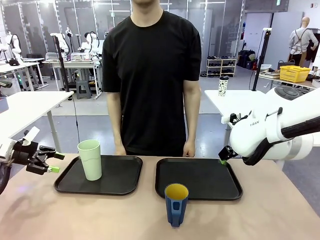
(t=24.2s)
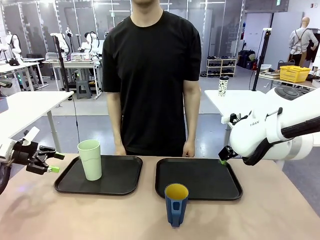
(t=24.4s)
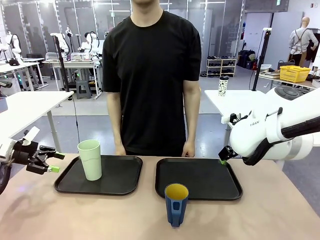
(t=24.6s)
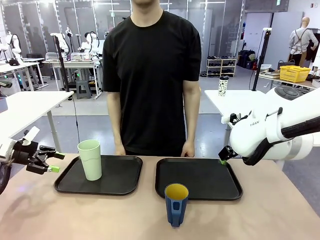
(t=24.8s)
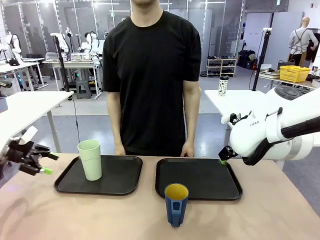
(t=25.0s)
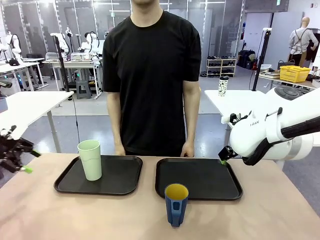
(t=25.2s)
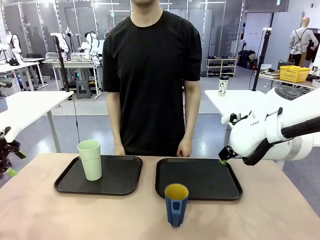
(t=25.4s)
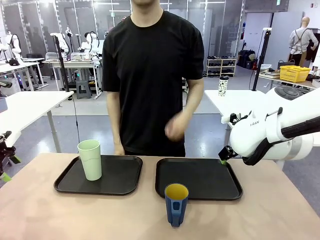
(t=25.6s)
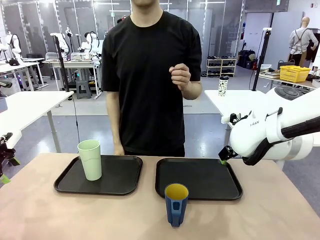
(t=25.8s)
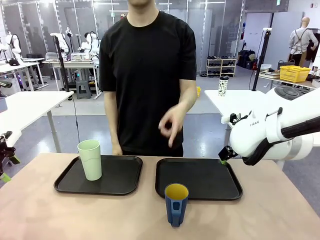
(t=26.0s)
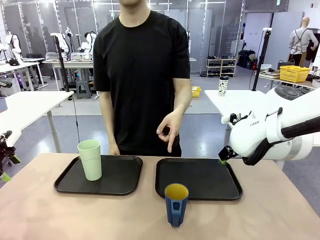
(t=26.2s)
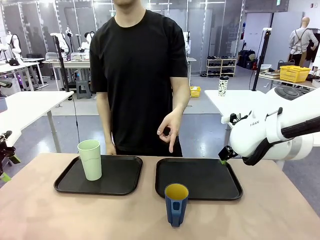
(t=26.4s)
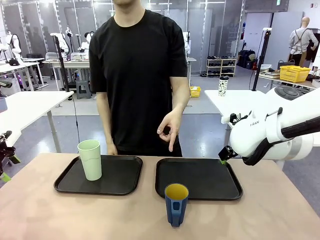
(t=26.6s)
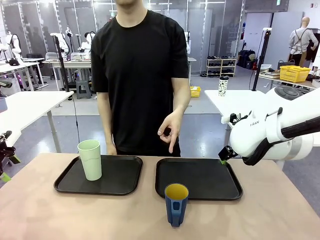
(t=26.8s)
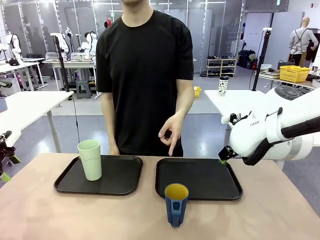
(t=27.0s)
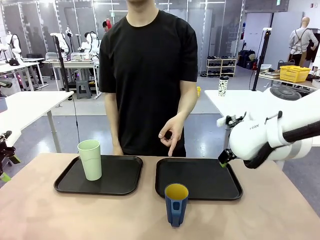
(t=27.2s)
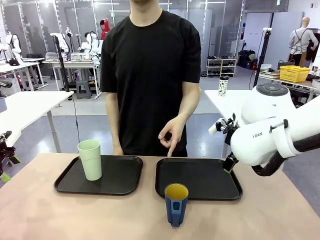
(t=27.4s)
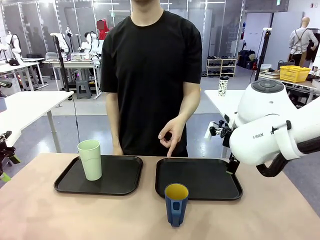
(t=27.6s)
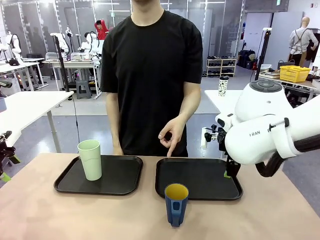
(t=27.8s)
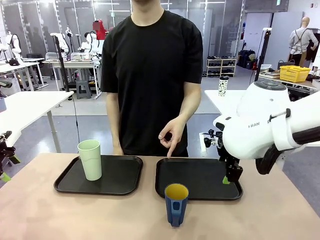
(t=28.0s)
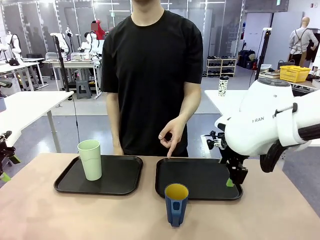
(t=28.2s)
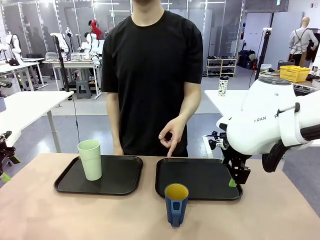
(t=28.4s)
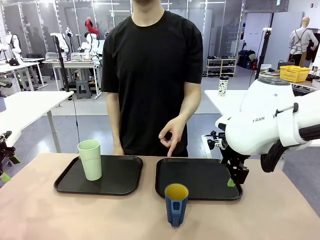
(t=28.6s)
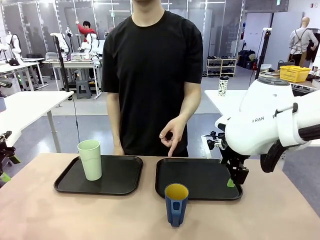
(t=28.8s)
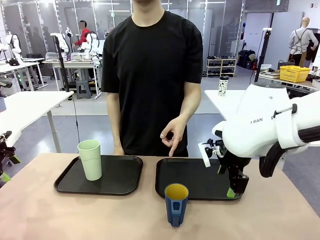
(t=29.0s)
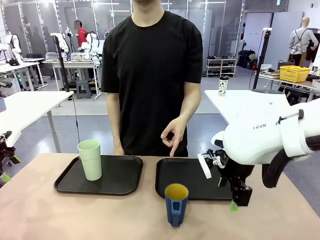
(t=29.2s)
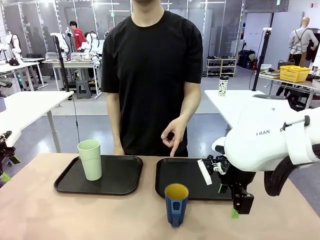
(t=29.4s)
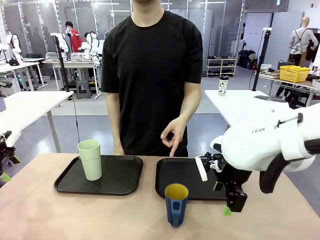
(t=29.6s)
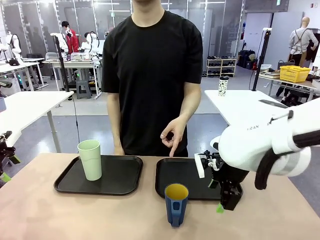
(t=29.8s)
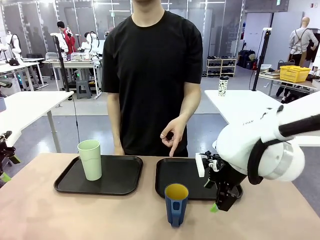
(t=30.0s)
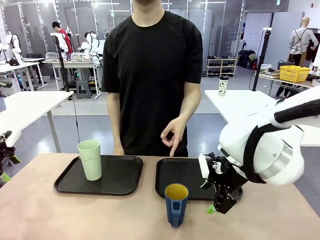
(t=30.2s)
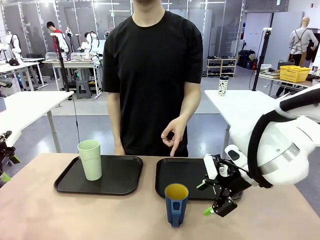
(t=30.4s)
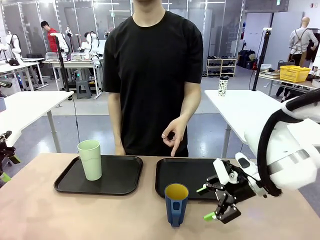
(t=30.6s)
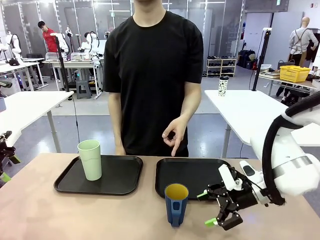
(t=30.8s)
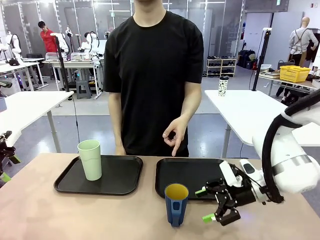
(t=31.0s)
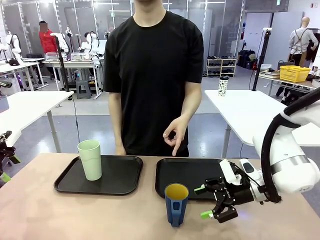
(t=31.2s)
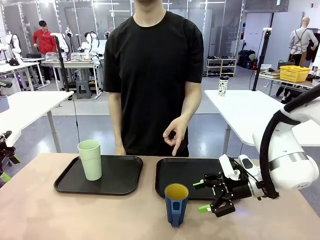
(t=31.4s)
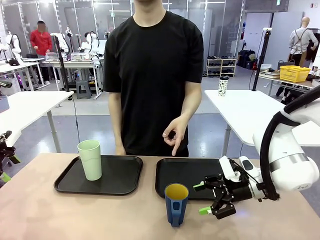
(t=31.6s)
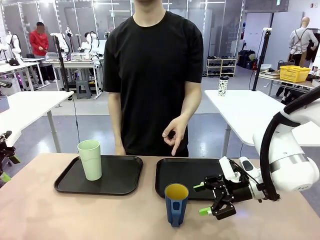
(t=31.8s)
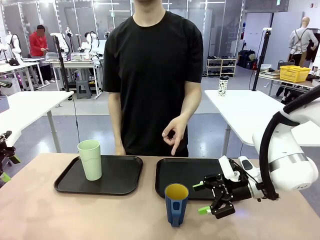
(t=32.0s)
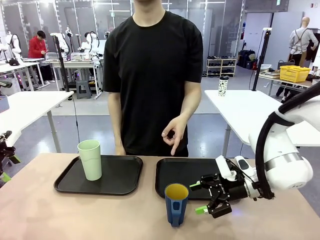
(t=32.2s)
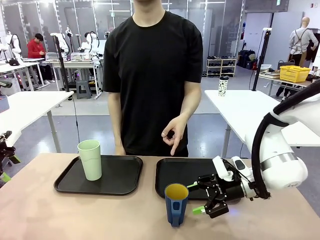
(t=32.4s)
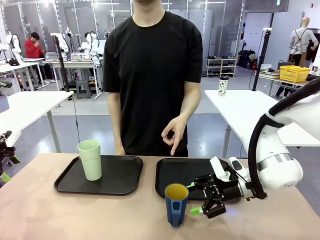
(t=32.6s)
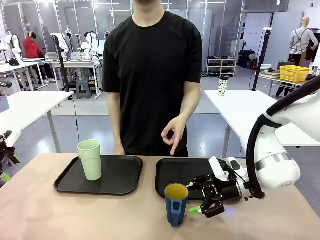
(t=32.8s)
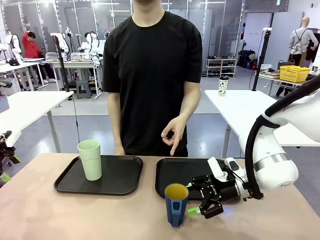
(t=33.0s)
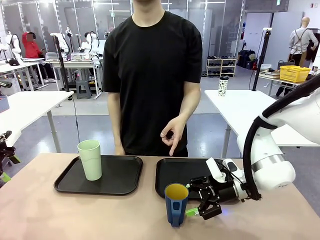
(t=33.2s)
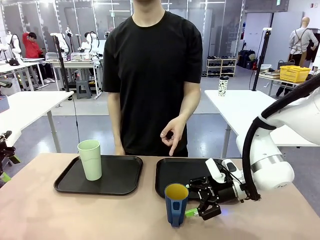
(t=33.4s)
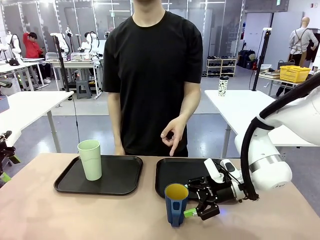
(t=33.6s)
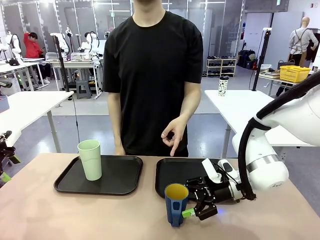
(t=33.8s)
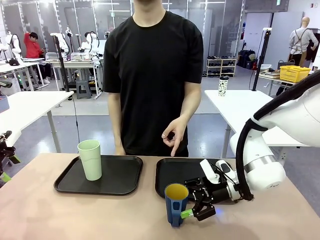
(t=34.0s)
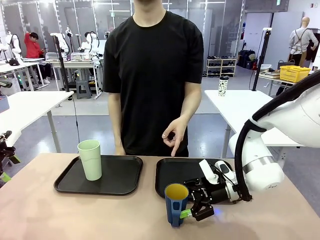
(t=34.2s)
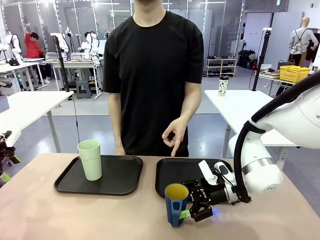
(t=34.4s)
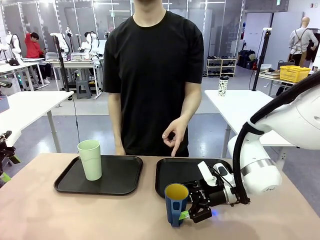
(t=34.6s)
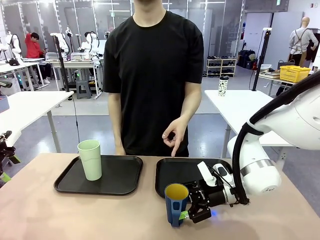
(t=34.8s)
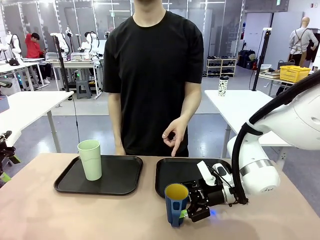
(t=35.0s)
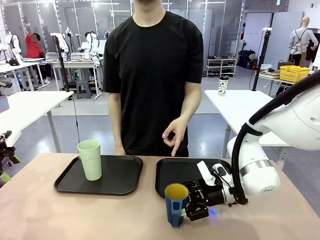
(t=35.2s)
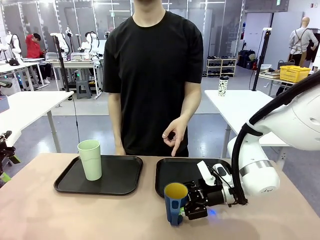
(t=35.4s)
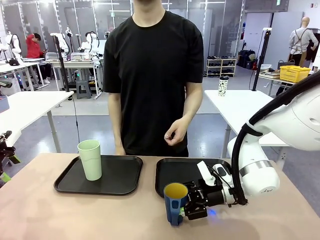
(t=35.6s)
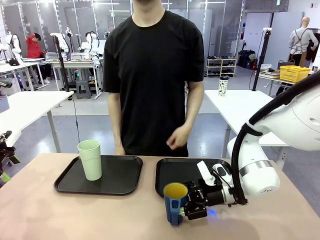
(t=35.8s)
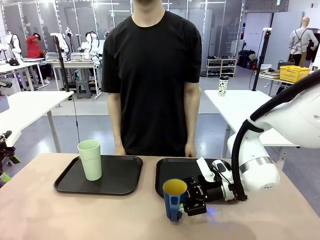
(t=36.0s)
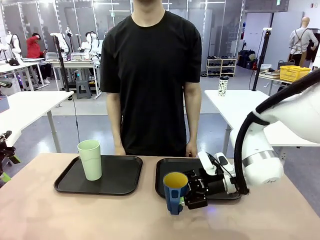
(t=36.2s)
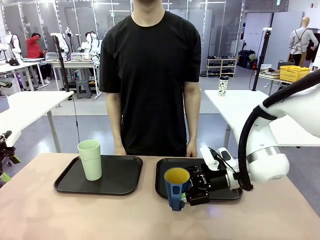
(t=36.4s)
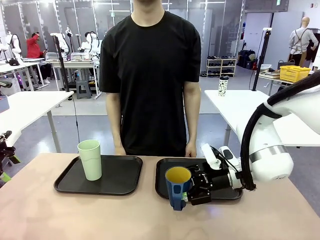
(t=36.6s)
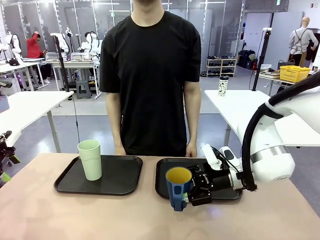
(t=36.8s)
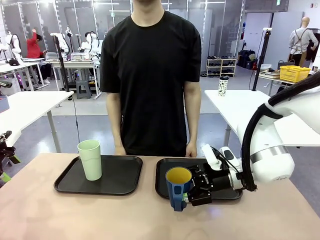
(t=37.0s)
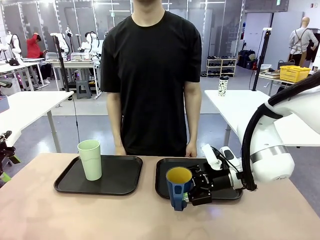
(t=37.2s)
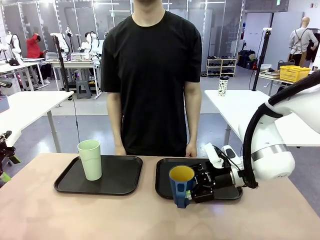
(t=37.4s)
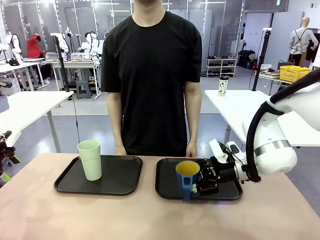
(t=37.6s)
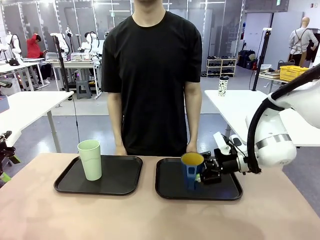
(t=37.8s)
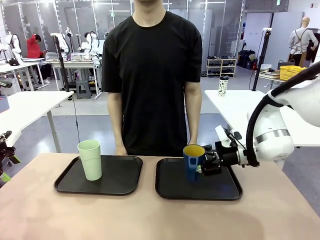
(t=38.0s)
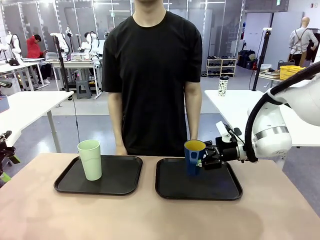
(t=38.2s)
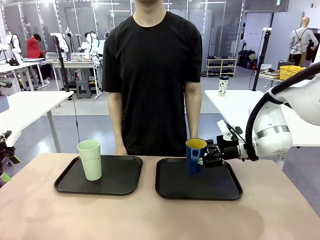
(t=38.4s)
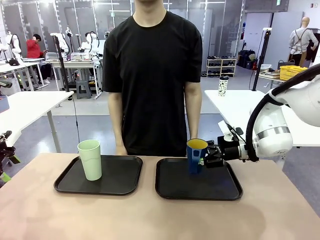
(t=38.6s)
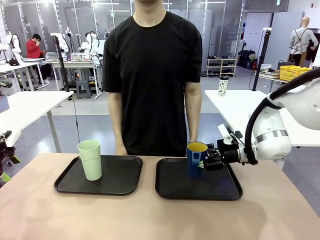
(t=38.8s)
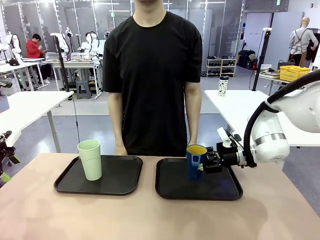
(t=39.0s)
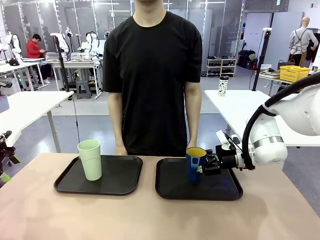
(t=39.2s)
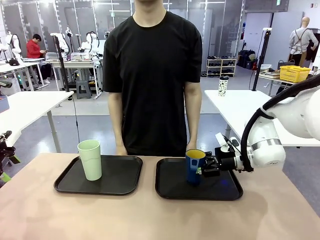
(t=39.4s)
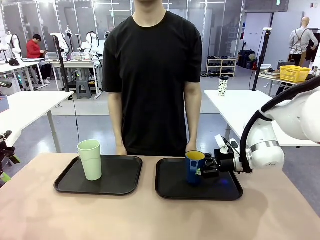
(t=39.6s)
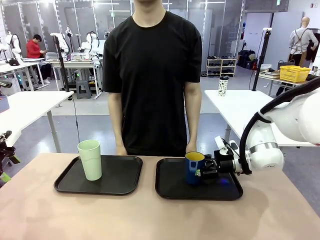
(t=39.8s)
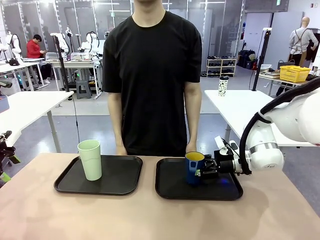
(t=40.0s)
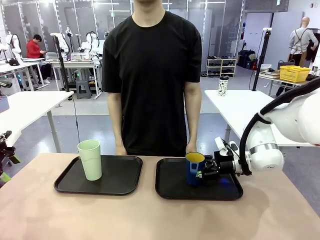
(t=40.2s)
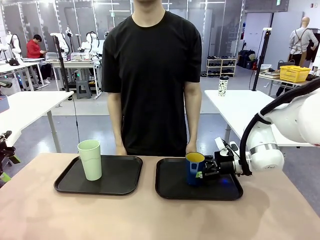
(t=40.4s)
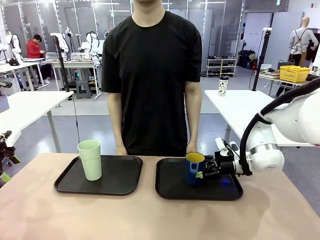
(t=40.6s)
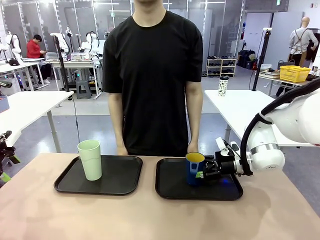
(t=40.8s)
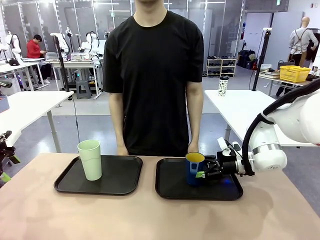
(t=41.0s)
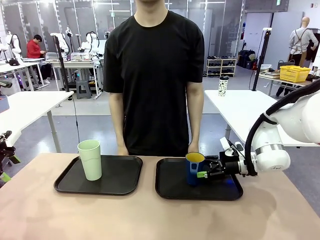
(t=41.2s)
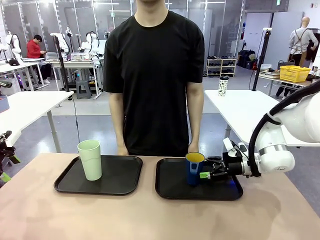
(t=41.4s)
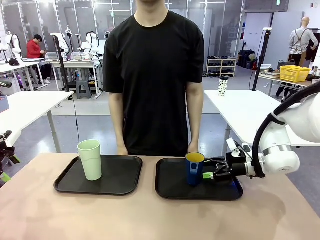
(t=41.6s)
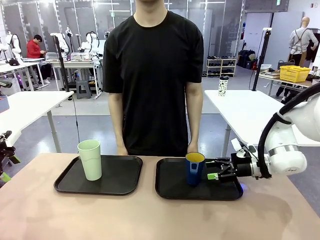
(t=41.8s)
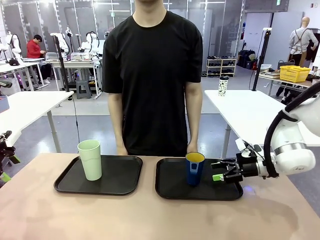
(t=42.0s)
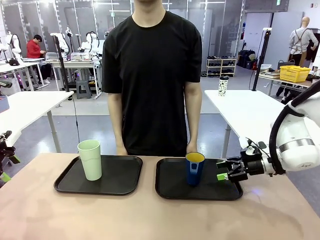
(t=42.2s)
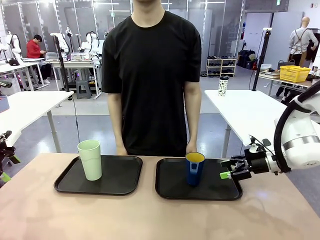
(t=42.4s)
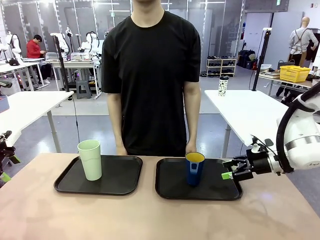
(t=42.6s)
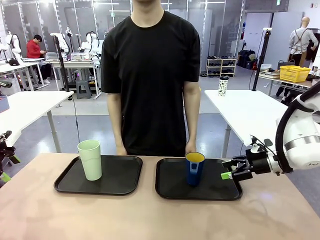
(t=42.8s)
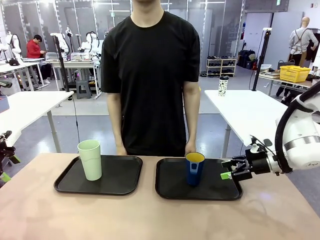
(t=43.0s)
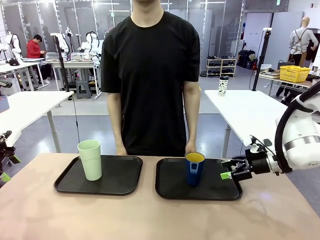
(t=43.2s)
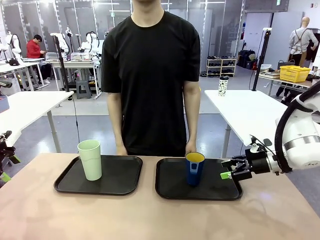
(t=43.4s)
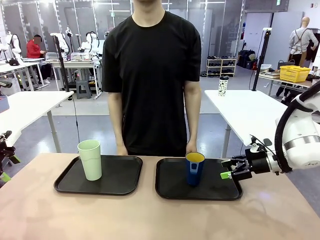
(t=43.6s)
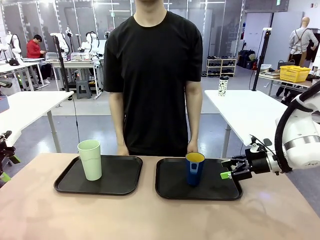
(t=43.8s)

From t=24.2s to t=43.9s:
Task: Sort and store the cups by type.
Robot: Pick up the Handle plastic cup and place it into the empty Flat Tray.
Person: Points to the cup with a handle.
